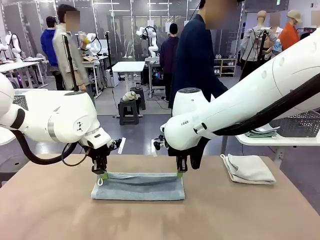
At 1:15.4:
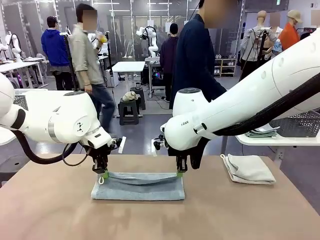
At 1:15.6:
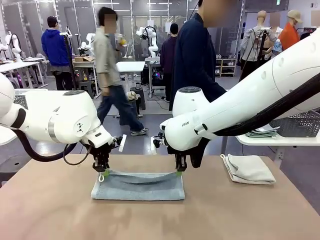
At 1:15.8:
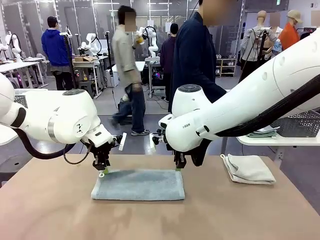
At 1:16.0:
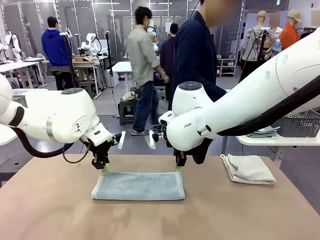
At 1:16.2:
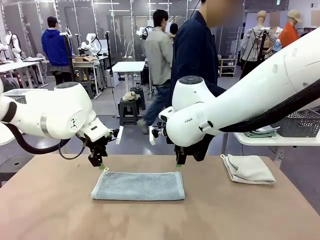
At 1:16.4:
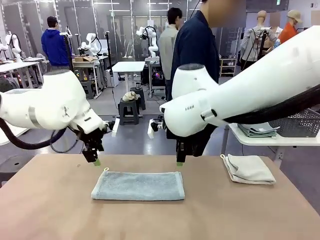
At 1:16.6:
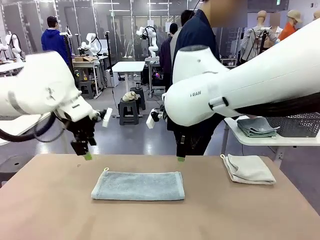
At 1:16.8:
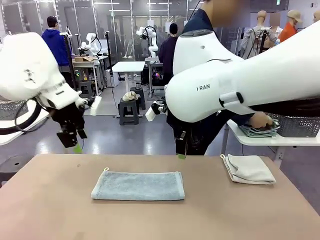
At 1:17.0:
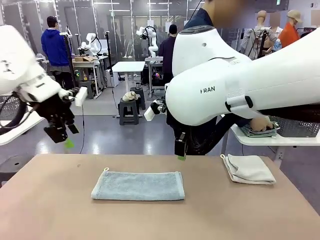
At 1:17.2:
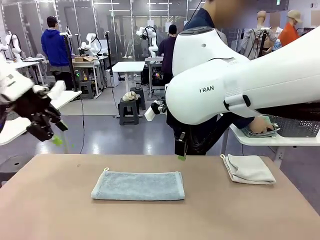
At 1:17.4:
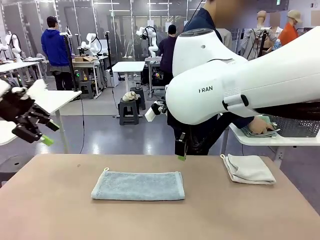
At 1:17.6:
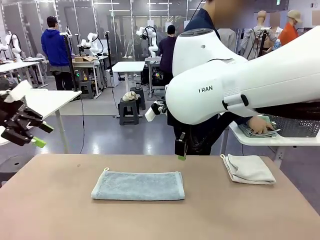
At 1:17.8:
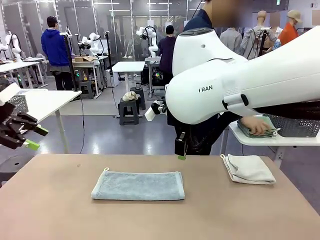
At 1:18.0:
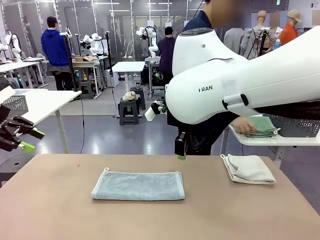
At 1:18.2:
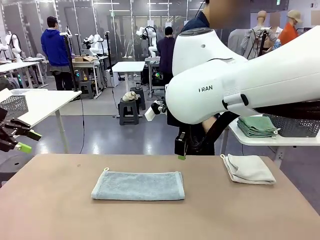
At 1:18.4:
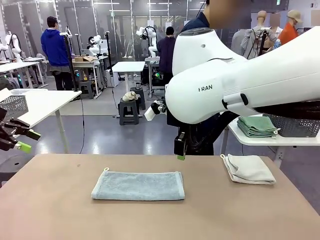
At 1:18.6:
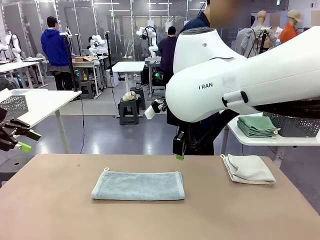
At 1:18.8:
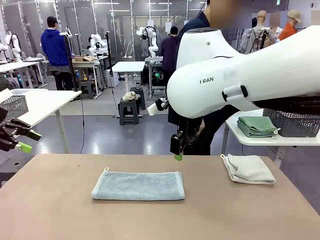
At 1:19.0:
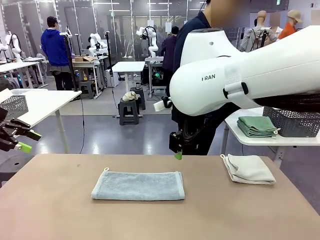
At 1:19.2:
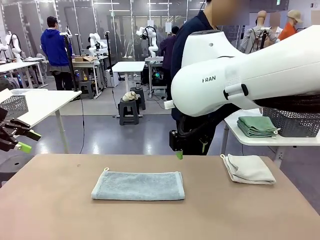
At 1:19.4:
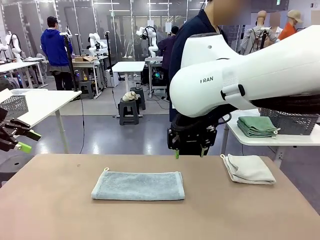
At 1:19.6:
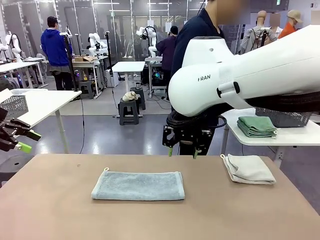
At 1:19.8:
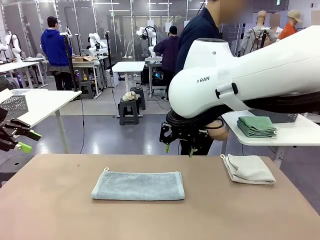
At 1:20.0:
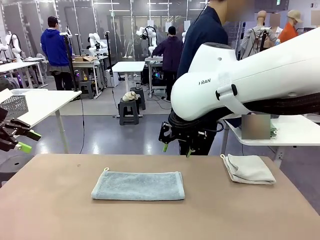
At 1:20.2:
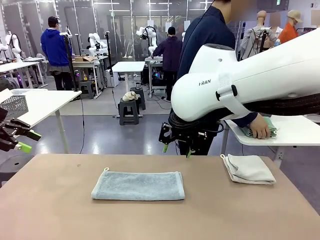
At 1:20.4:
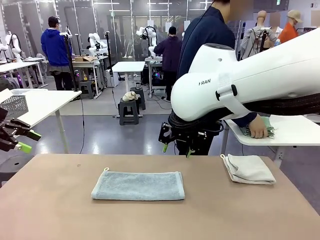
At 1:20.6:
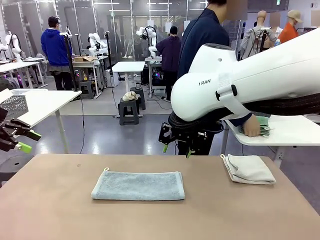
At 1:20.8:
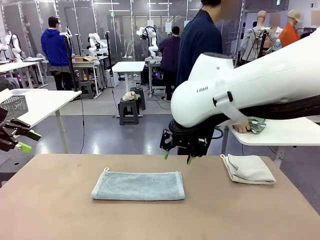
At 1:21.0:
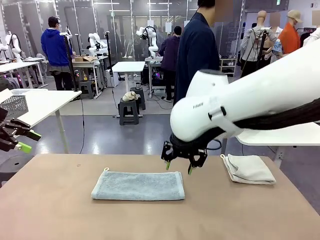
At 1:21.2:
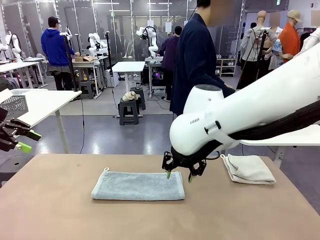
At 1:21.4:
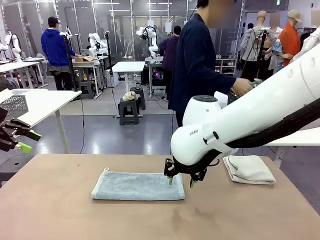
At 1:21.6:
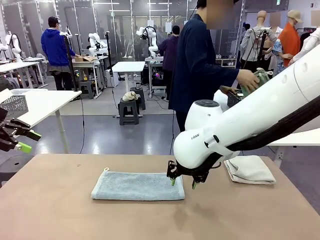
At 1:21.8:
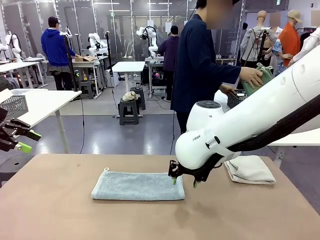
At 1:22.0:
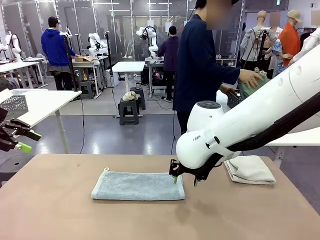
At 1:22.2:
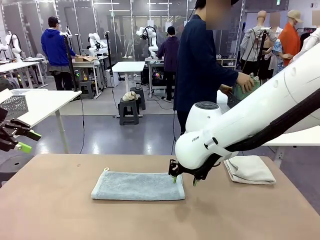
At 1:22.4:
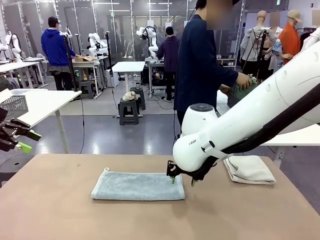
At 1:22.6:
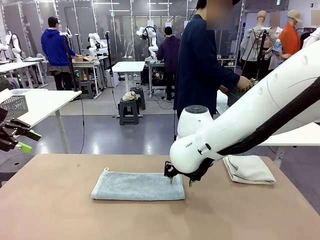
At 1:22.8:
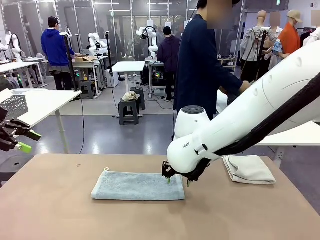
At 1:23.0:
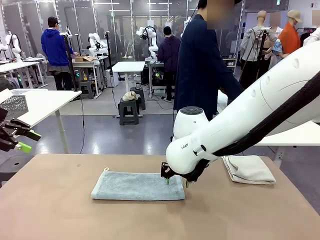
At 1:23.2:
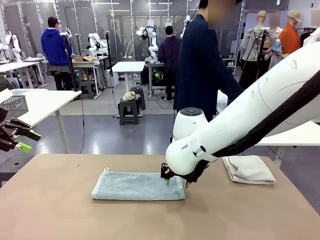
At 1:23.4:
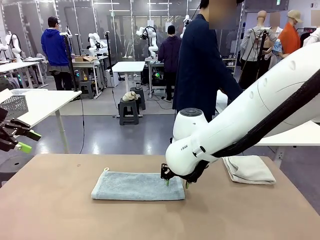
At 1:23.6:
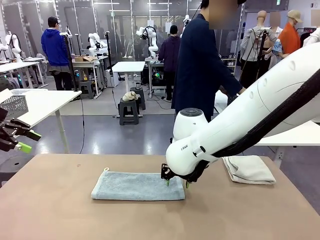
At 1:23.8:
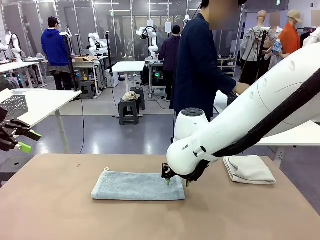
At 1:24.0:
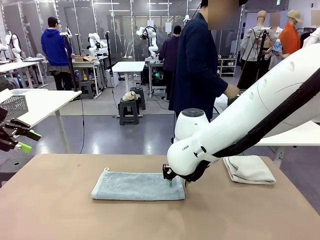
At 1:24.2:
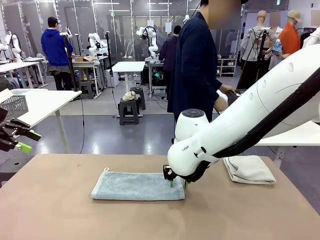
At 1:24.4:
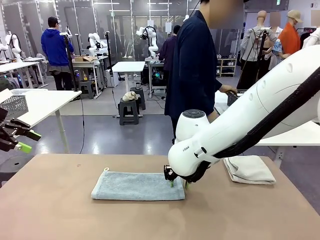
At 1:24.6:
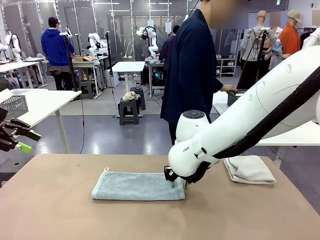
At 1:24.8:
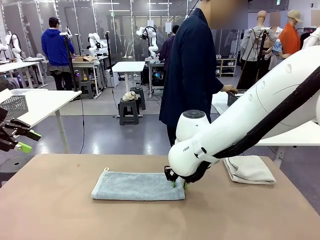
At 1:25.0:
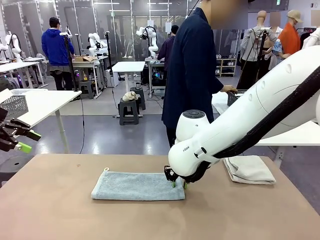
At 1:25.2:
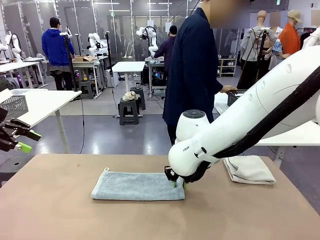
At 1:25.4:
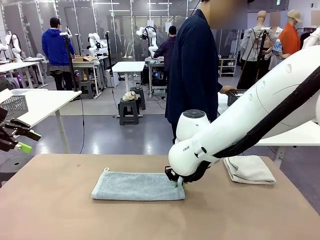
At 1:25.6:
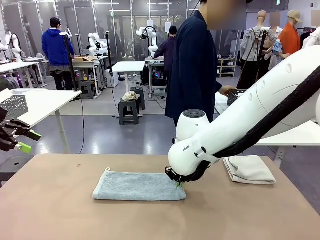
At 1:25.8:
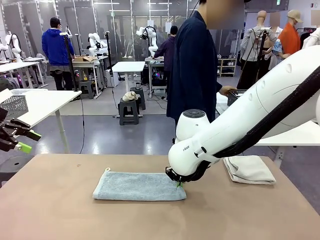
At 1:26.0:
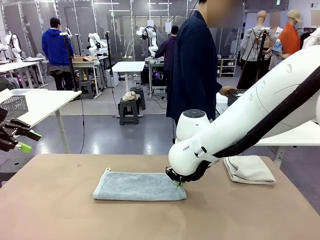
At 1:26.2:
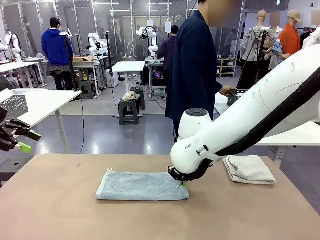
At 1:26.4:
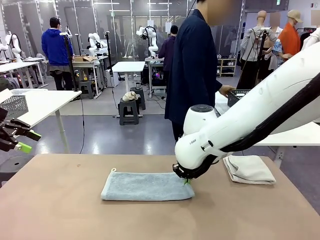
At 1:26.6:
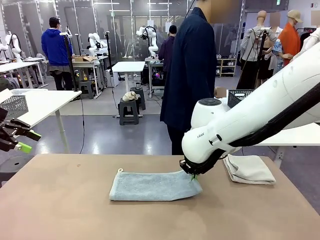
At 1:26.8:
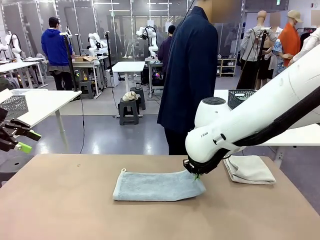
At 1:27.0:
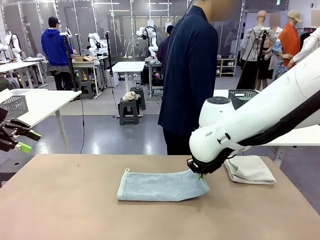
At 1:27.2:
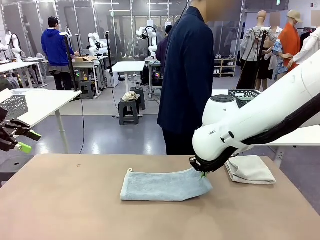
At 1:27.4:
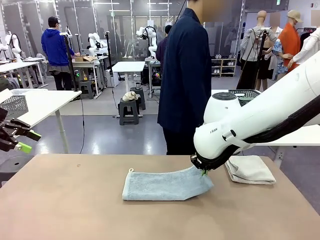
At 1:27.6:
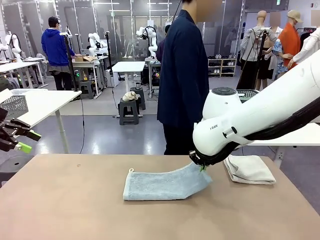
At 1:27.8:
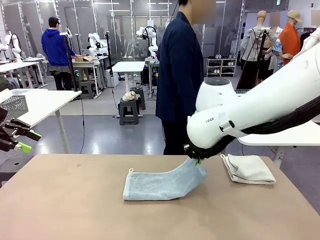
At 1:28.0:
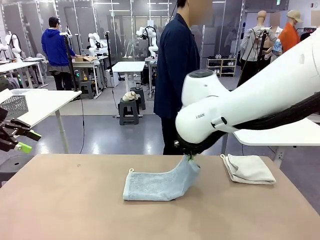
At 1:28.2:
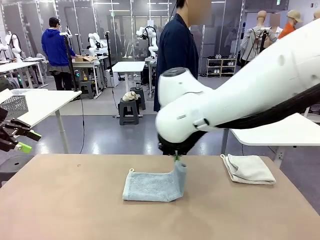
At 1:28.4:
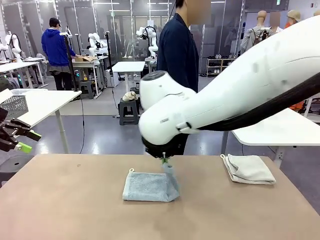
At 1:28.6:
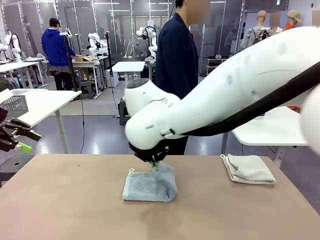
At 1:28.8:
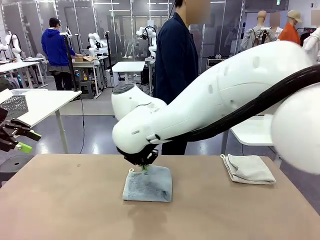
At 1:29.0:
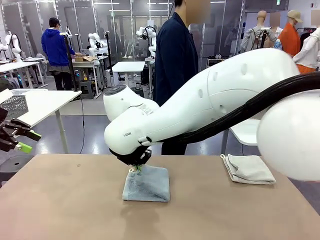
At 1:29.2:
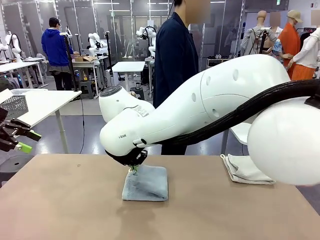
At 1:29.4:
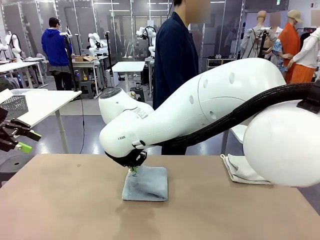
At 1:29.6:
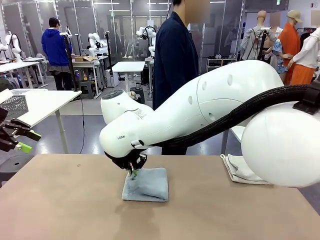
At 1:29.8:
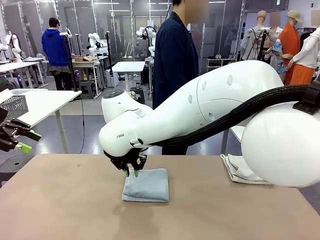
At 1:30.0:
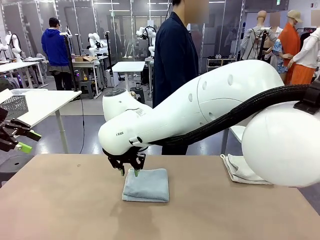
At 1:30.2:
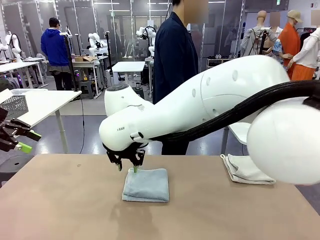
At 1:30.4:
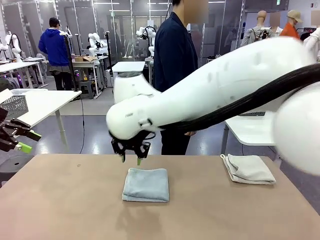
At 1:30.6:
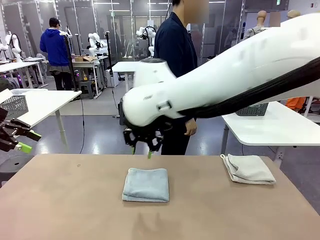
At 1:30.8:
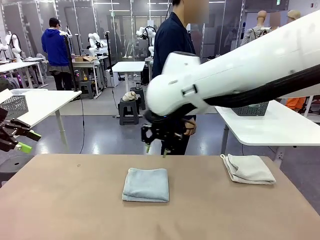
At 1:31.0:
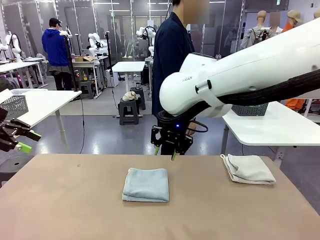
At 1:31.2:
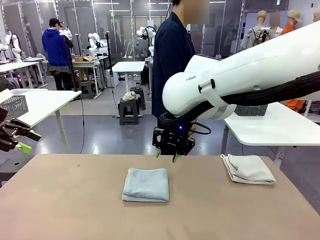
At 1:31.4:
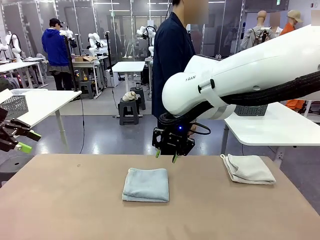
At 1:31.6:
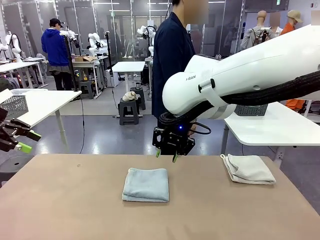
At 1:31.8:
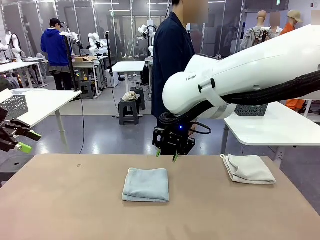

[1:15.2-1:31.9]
Task: Fold the towels and place them in the basket.
Robot: When a person lays out a Towel with hook on the table, fold it in half twice.
Person: Pick up the stack of towels from the right side of the human table, place it into the basket, and put the basket at the center of the table.
